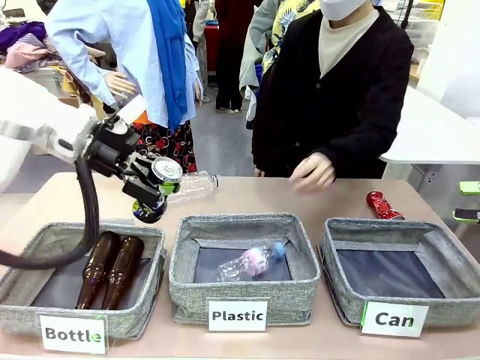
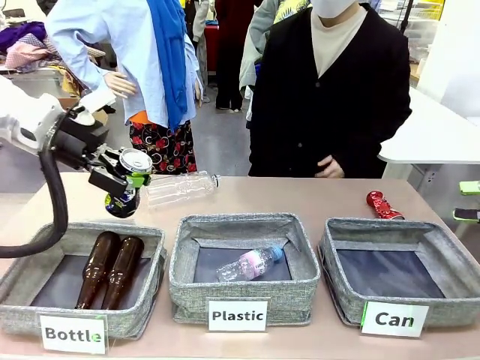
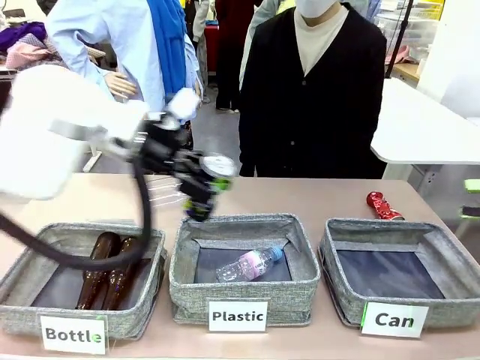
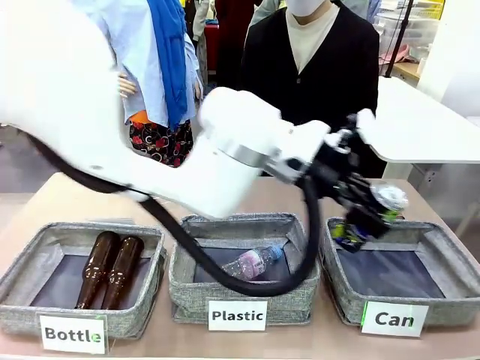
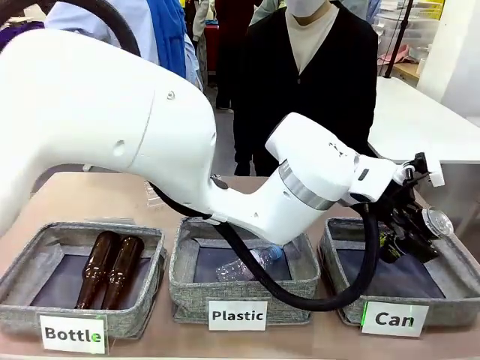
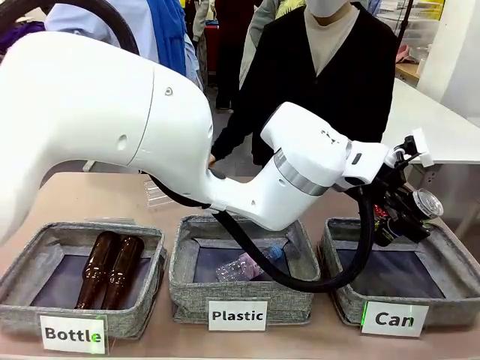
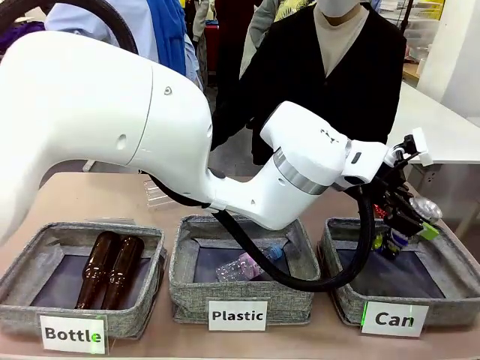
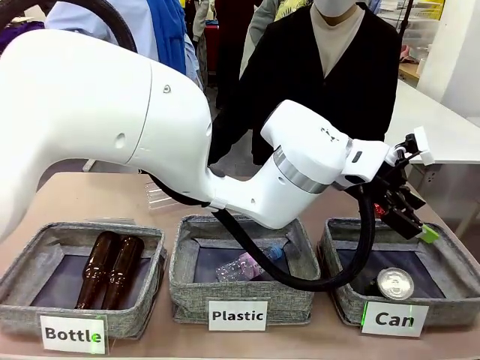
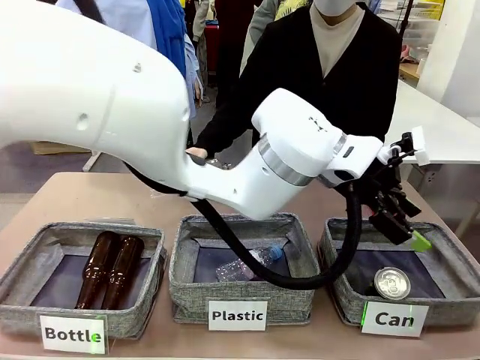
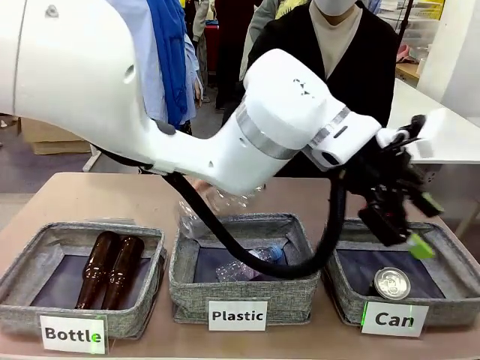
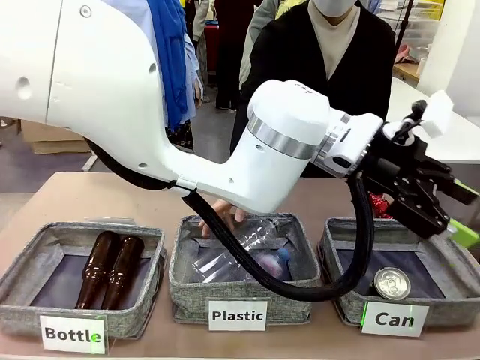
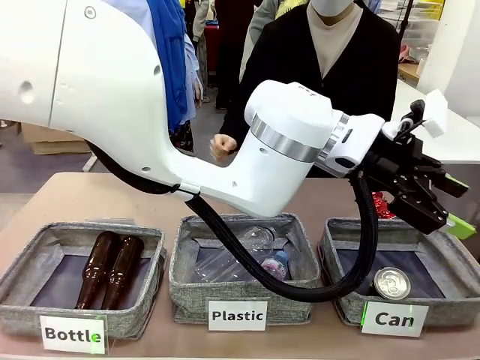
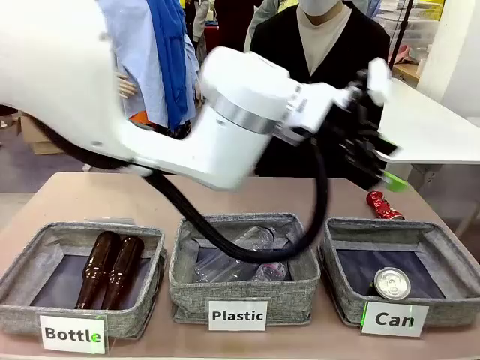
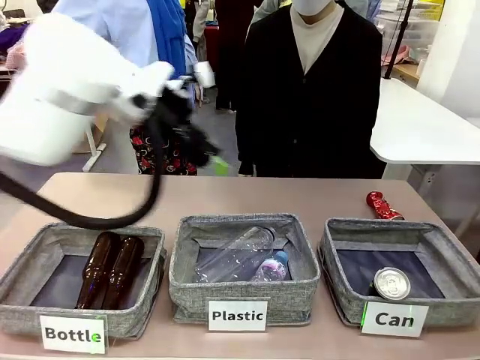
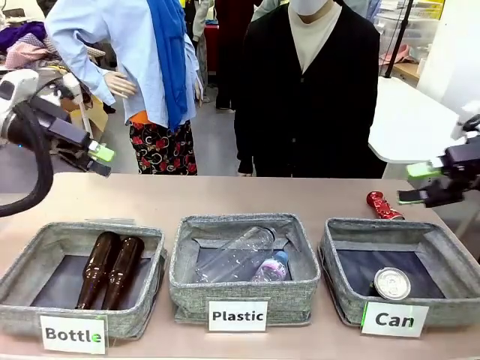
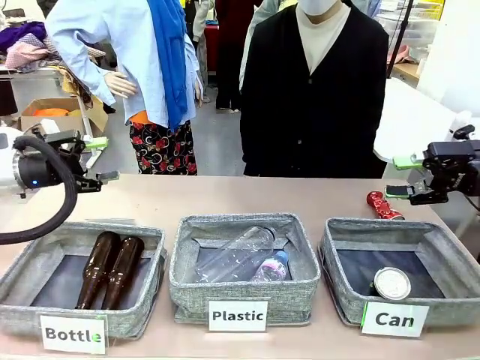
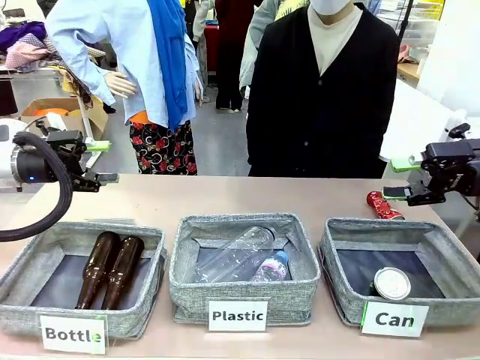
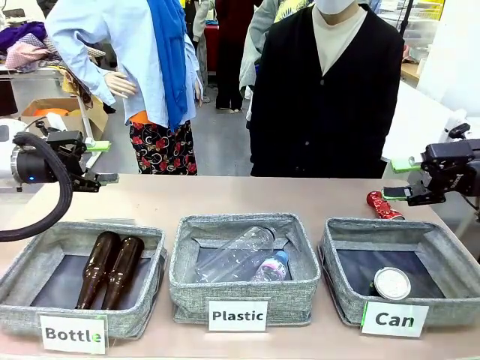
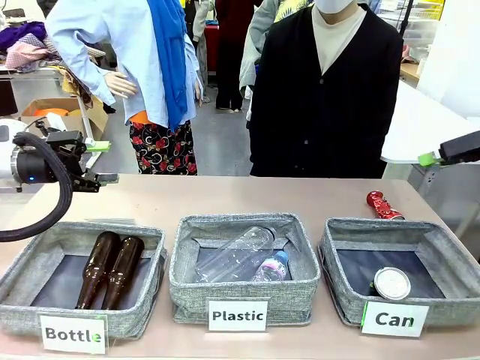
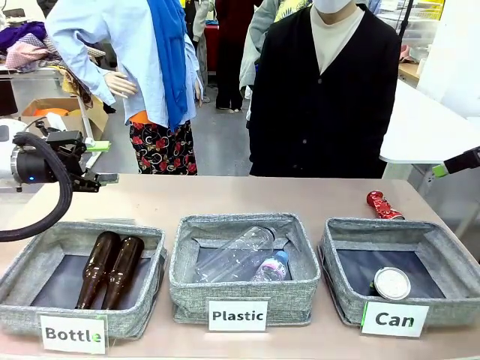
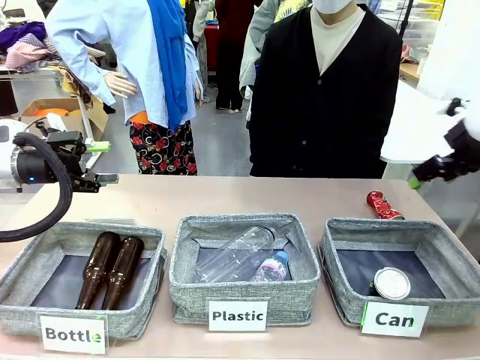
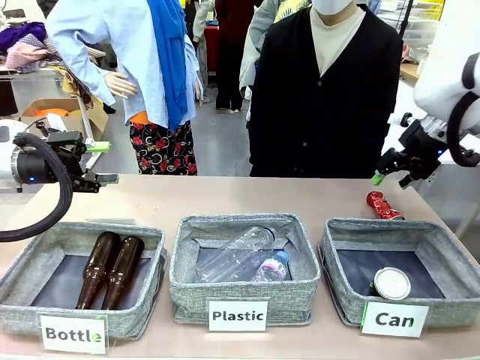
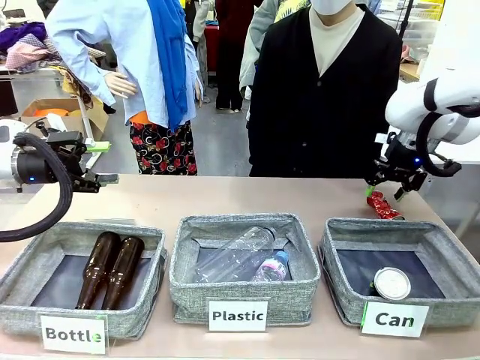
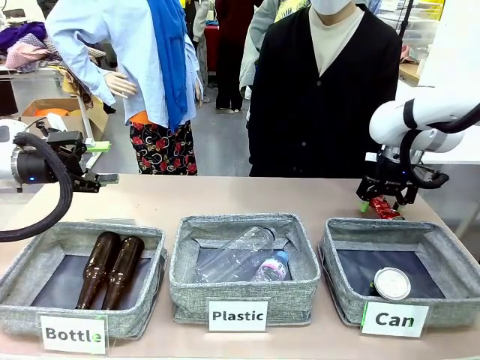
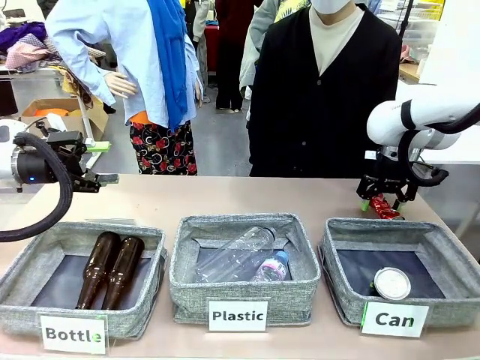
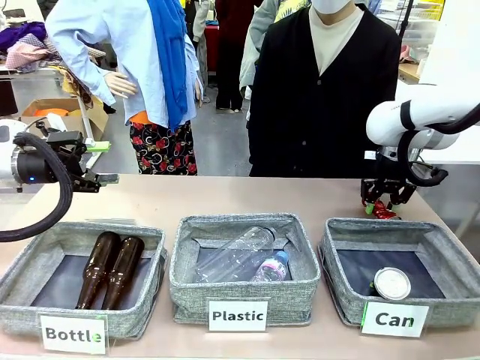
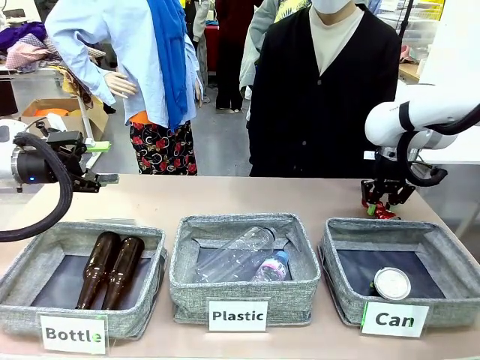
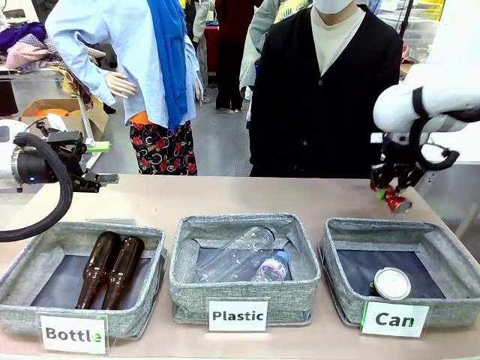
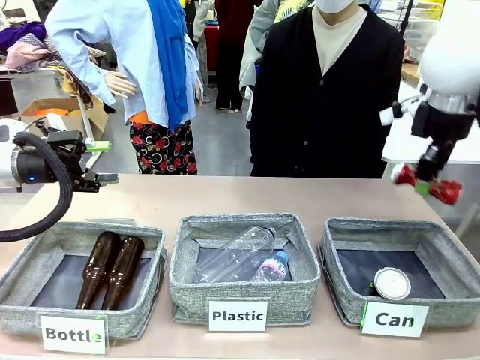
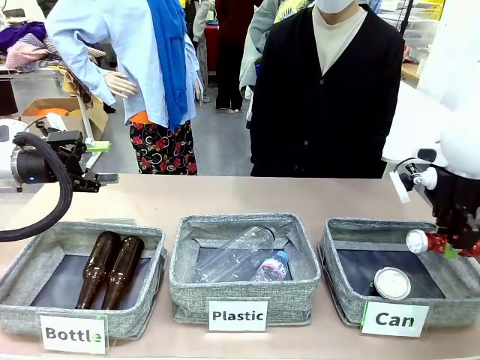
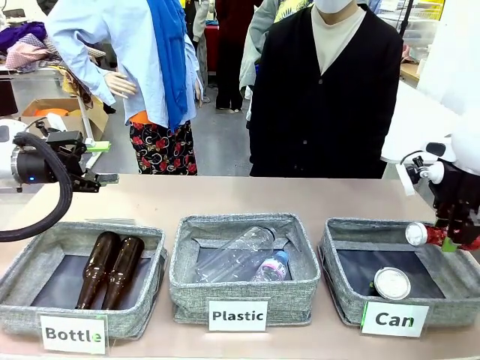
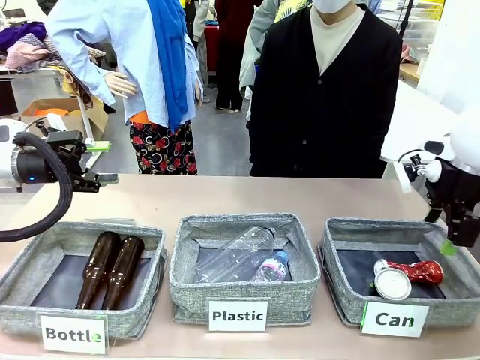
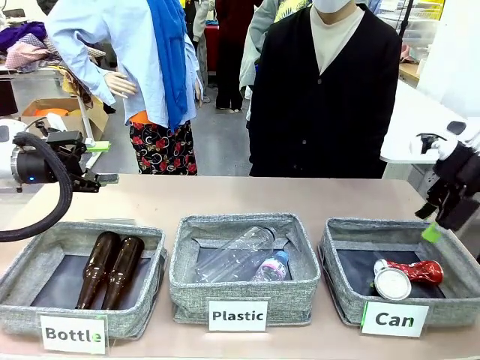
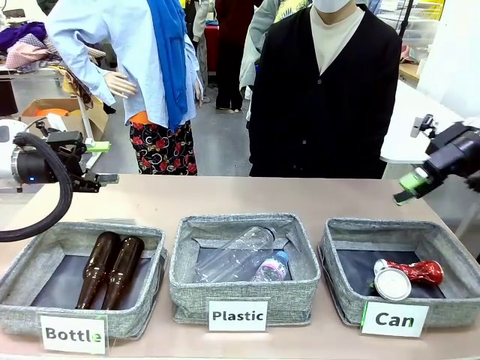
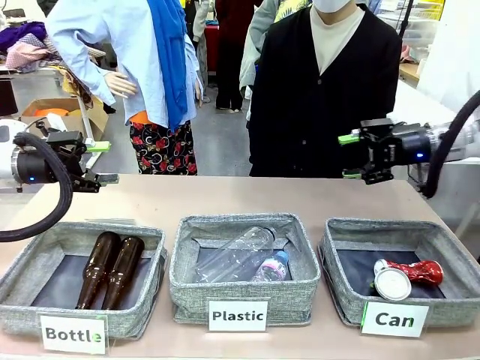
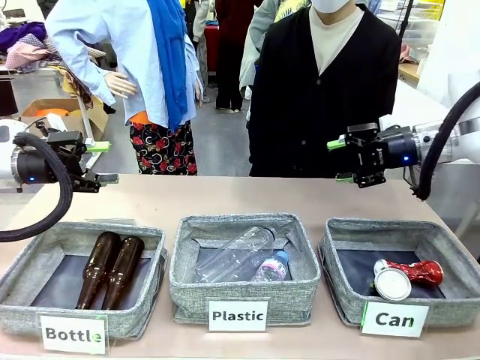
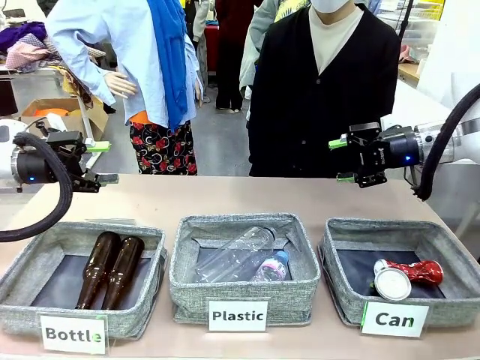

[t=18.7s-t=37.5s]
Task: Sort the can waste into the basket.
Robot: Pick up the can waste from the table and place it in the right Fabric basket.
Person: The human picks up one piece of trash that is not a can and places the trash into the appropriate organizing basket.

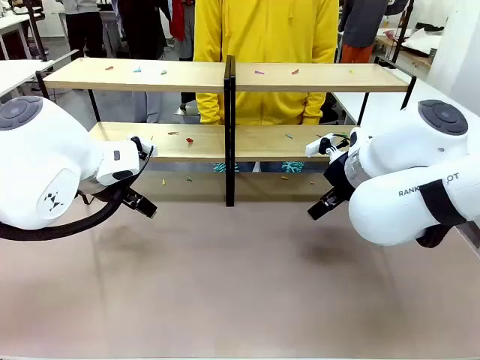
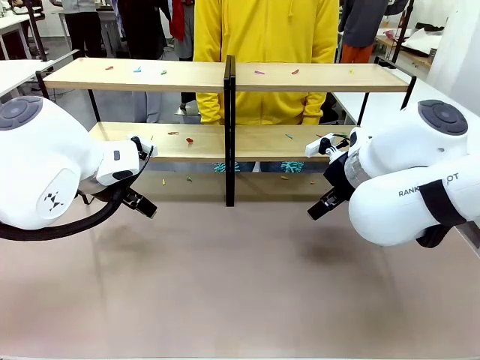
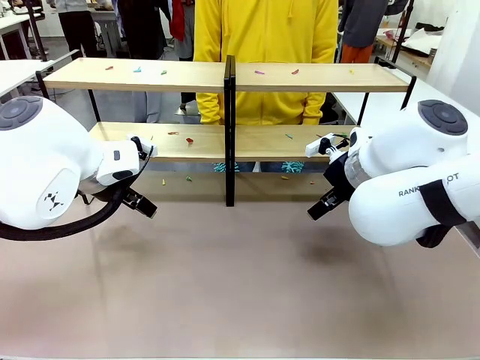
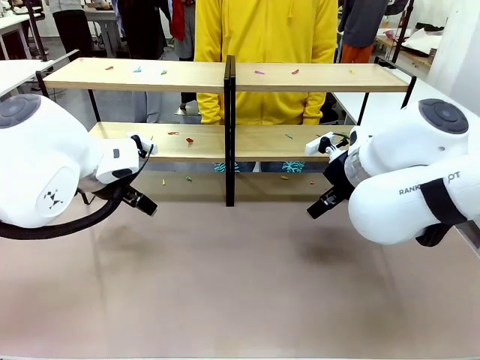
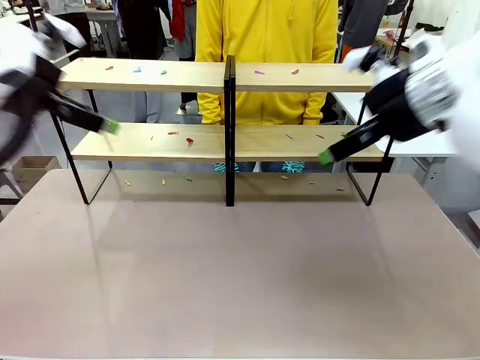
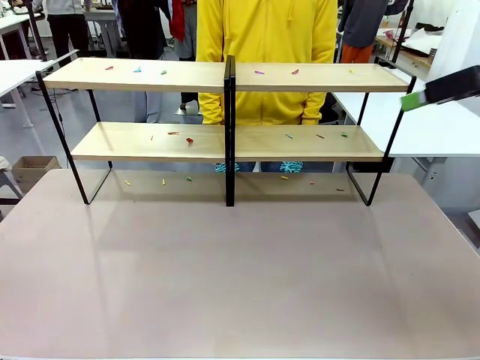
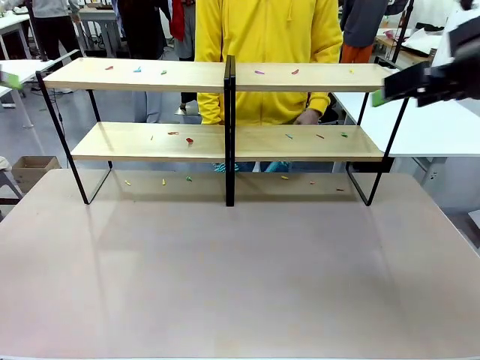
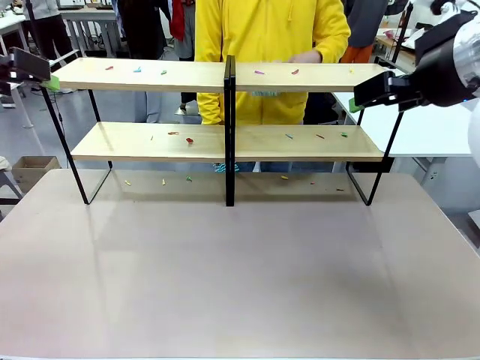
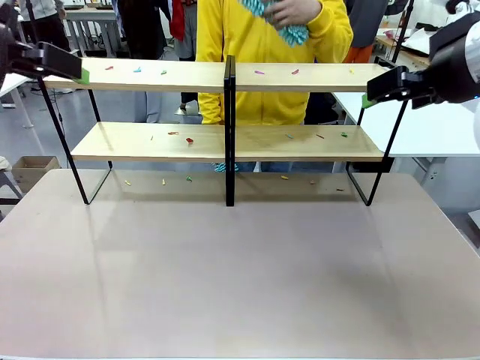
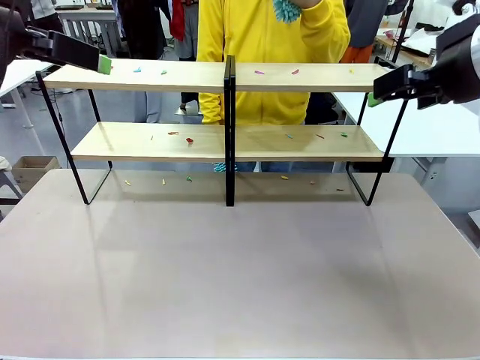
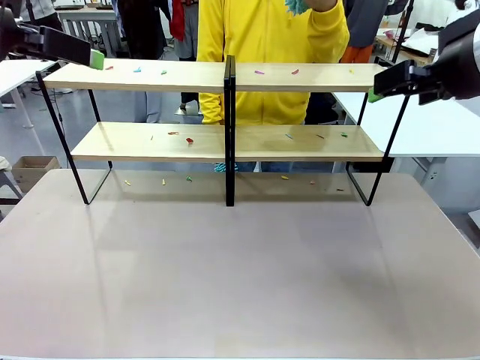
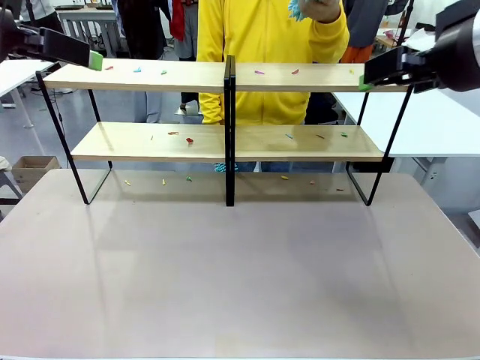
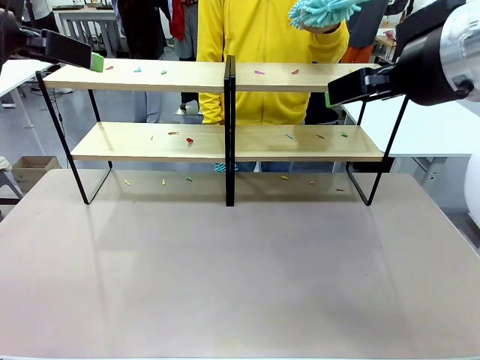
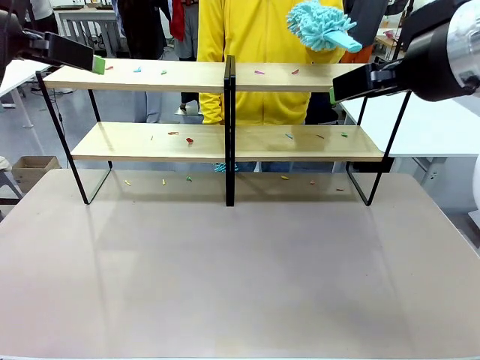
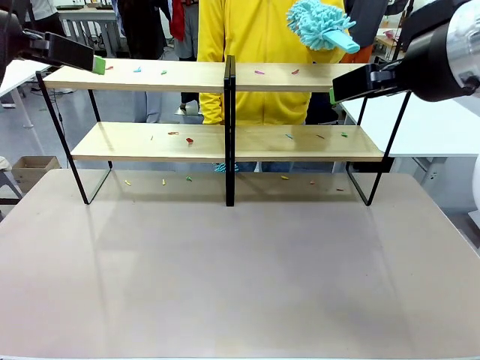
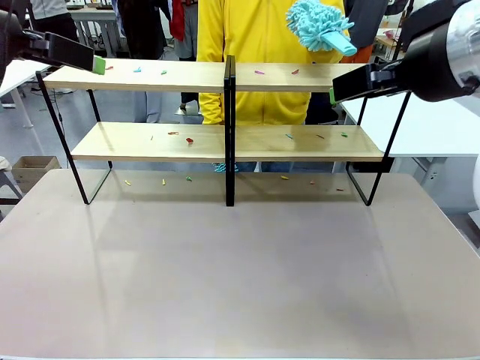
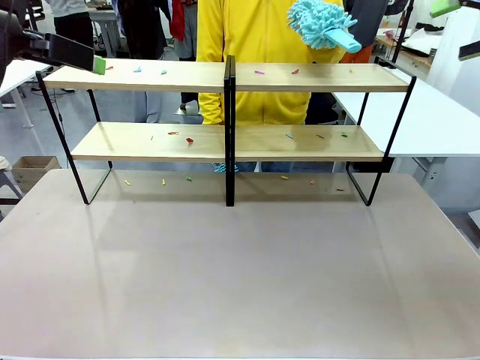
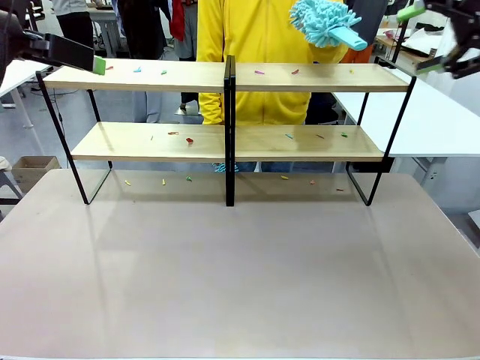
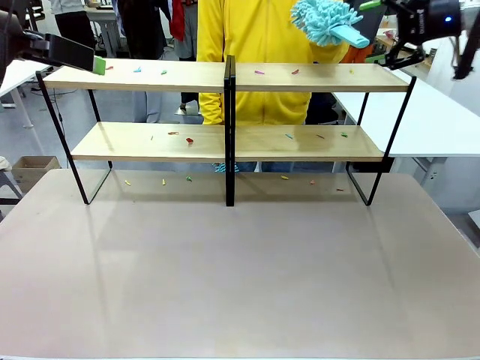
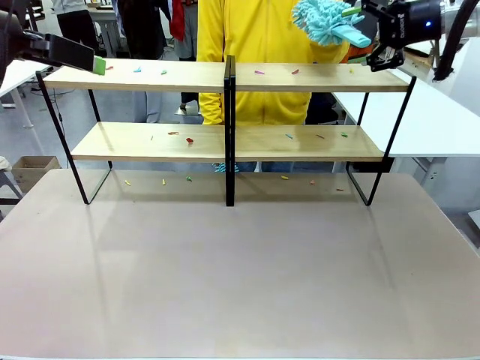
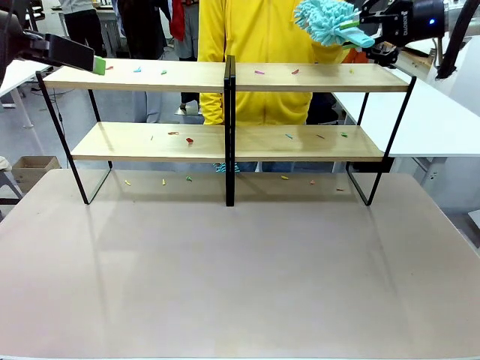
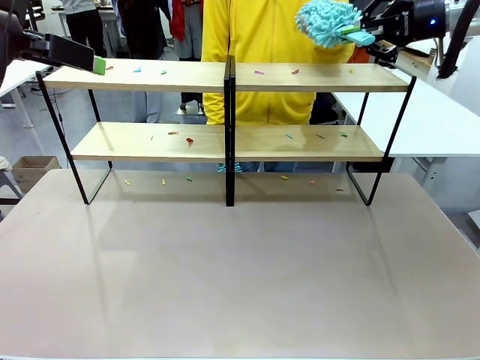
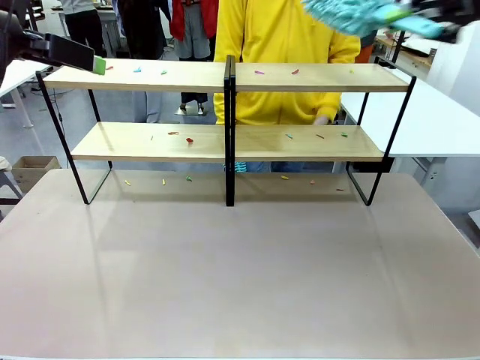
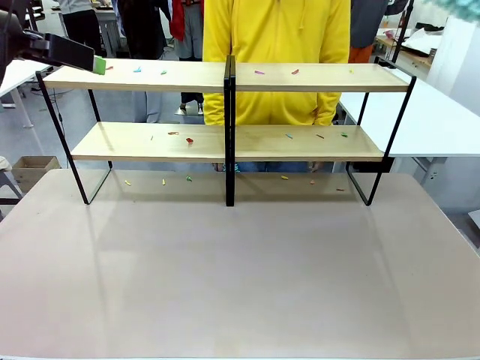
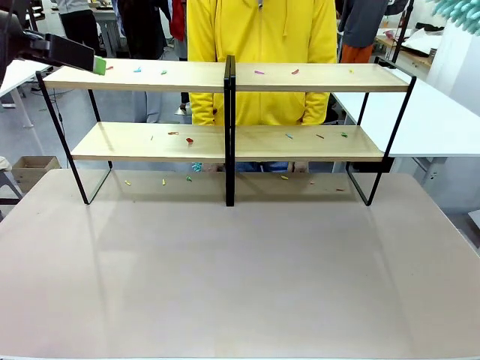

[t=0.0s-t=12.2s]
Task: Clean the shelves.
Robot: Pick up the Duster when the human hands it over.
Person: Hand the Duster to the robot with your right (or left) hand.
